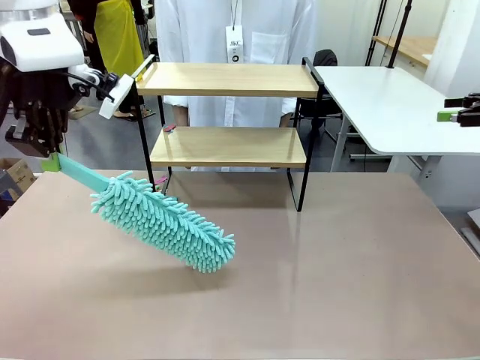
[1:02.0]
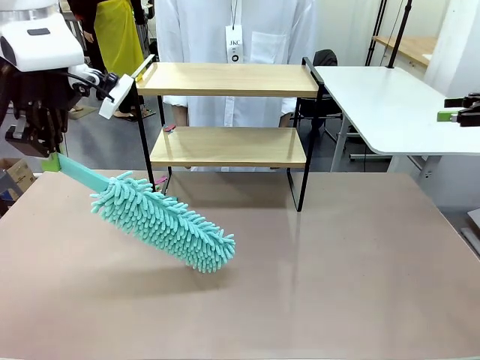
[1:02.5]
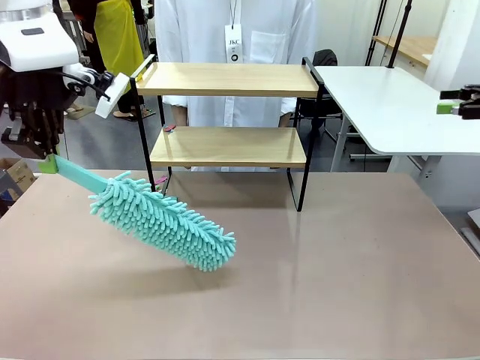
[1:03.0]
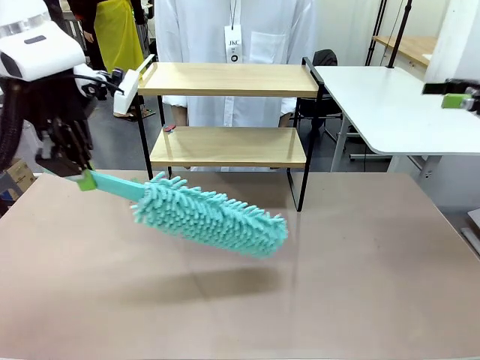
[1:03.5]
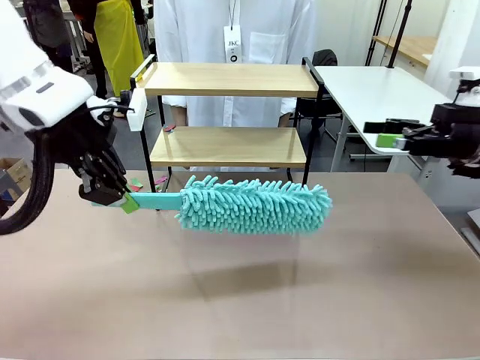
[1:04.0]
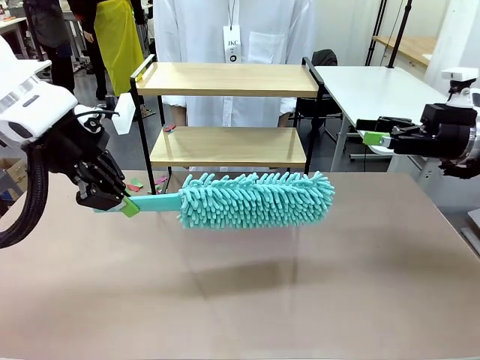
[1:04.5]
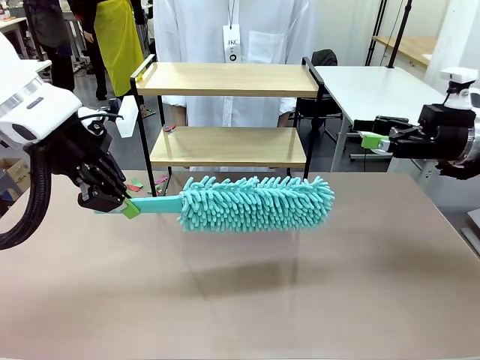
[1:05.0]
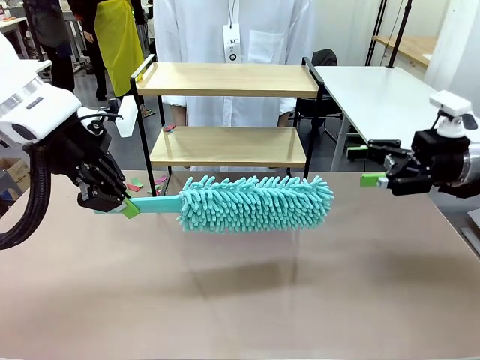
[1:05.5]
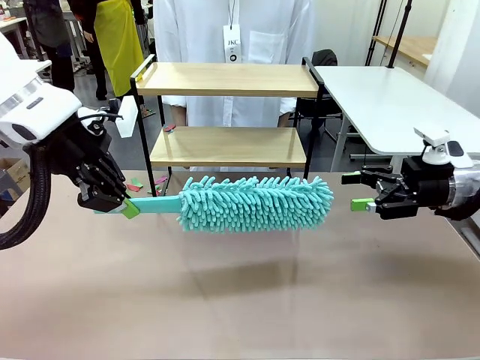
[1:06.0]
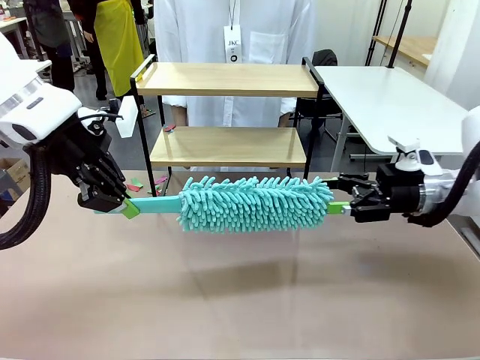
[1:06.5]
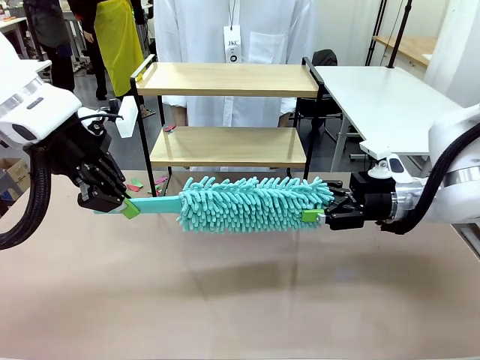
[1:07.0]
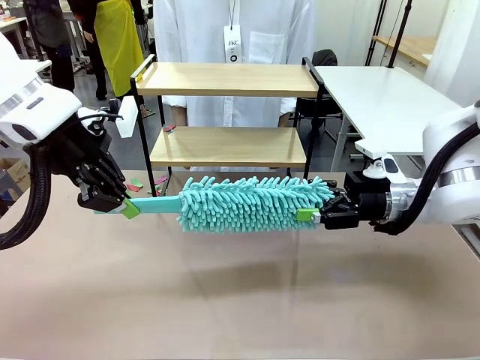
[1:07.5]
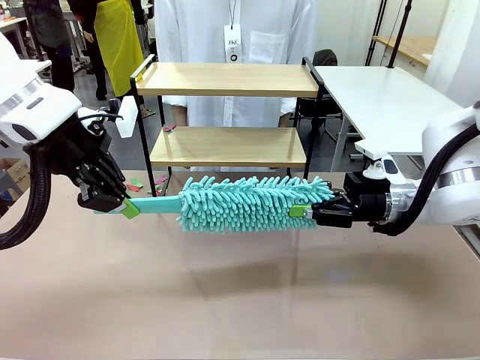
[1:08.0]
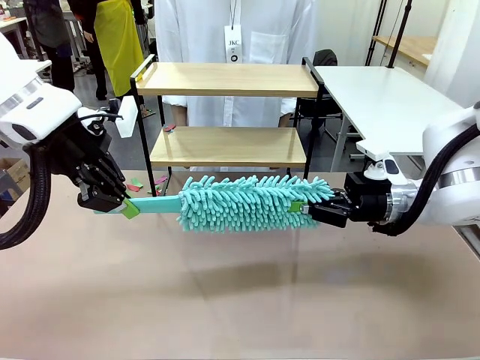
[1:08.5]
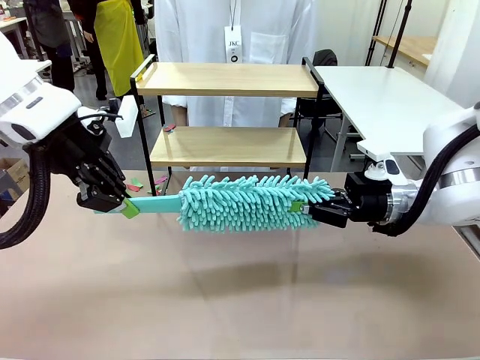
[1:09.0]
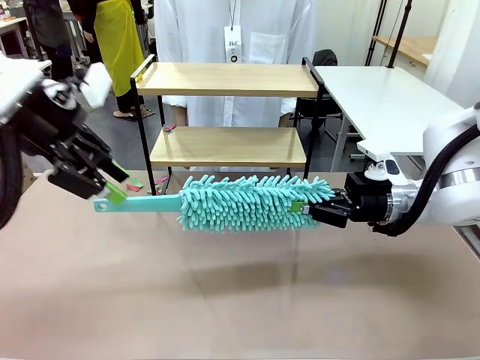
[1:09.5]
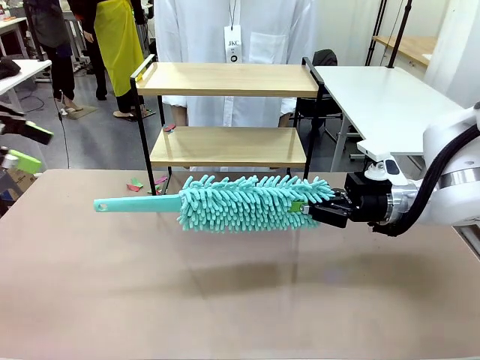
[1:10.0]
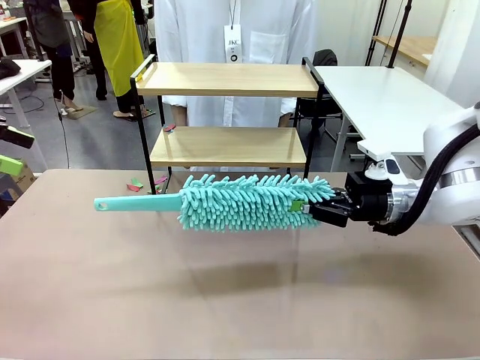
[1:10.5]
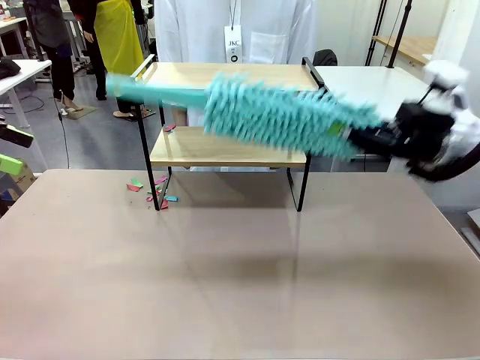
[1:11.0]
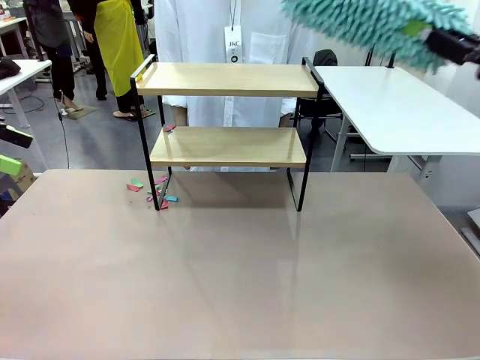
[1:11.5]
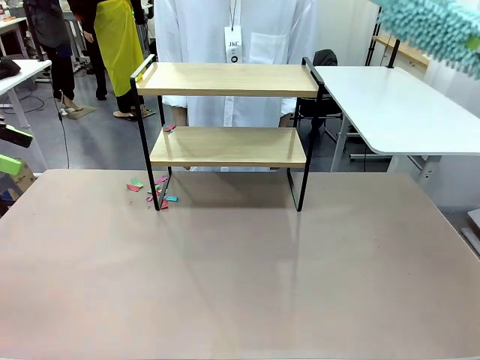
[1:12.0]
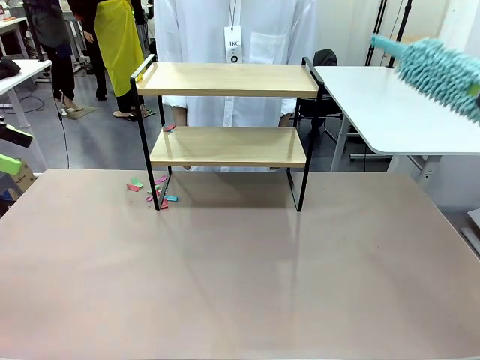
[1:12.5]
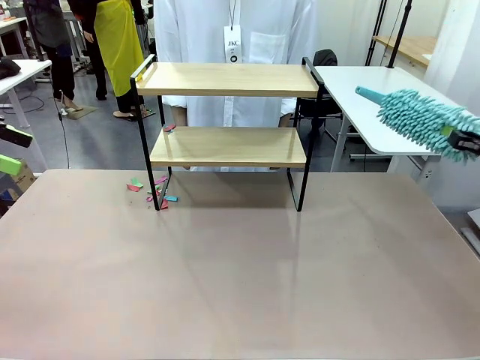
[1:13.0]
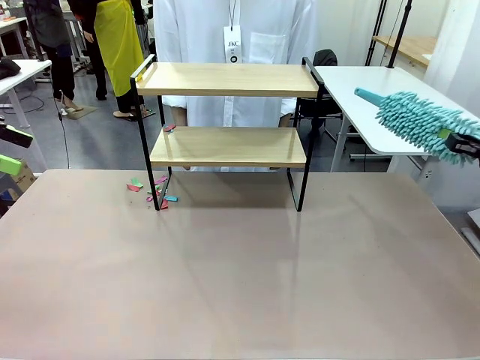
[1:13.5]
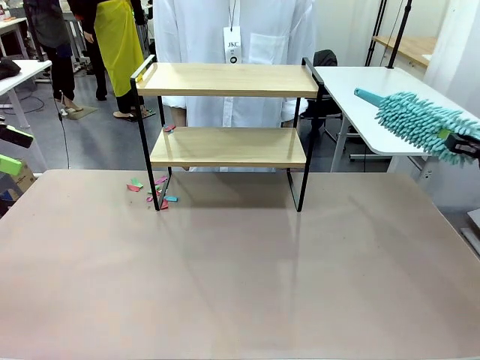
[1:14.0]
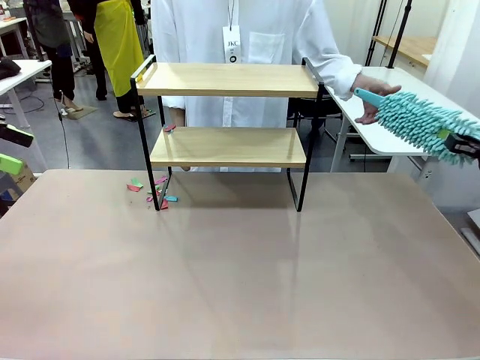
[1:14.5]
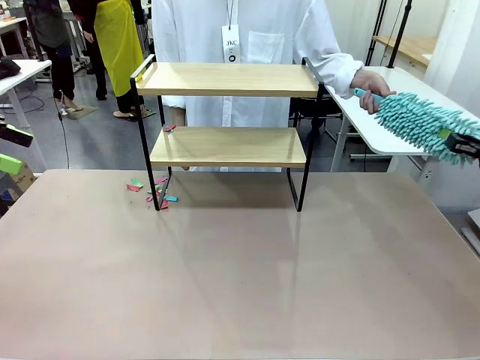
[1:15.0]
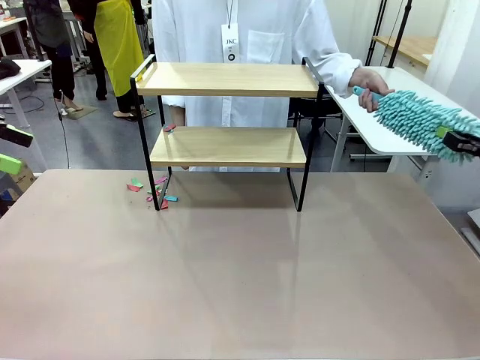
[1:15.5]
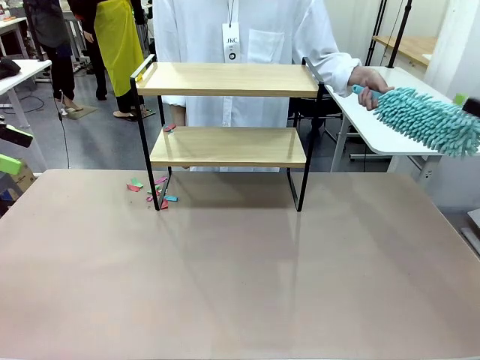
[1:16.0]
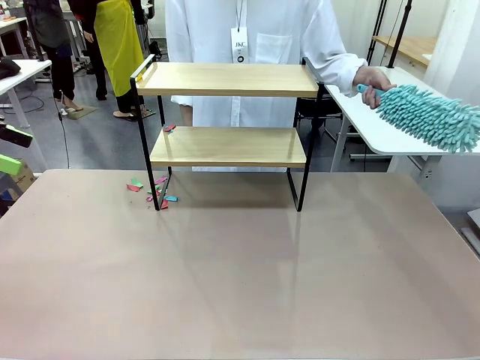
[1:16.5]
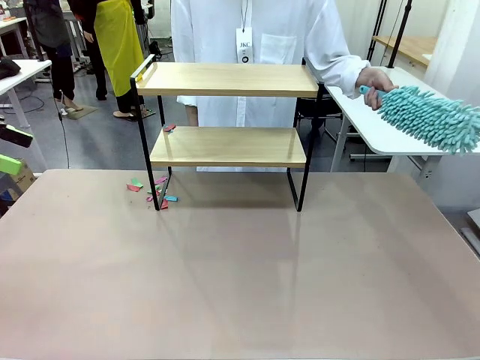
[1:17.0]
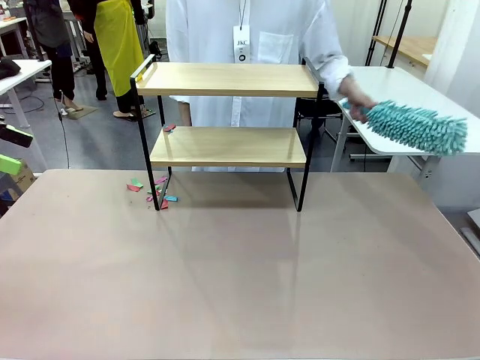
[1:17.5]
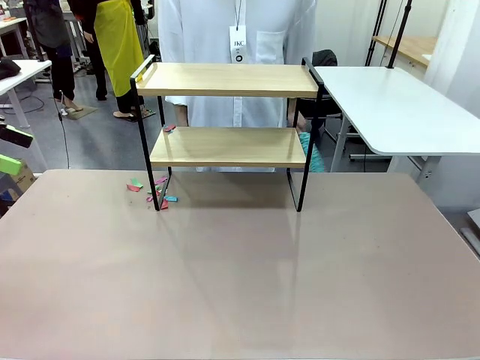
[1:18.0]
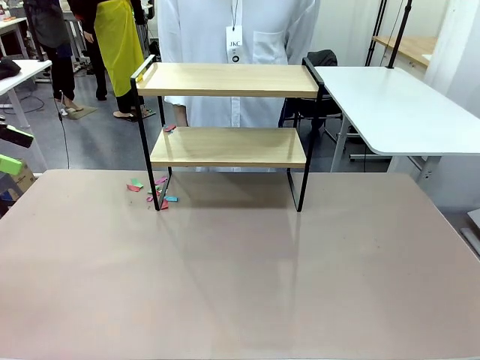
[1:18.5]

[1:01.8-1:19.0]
Task: Clean the shelf.
Robot: Hand the Duster back to the human.
Person: Receive the Duster from the robot.

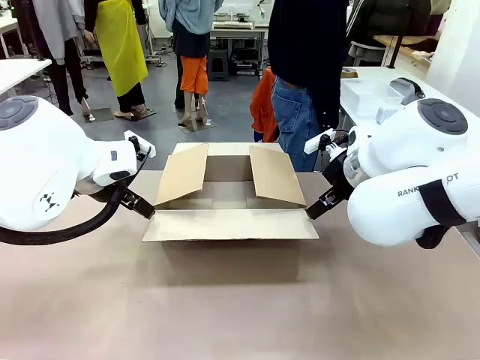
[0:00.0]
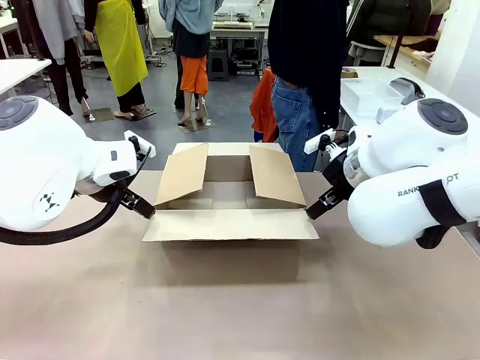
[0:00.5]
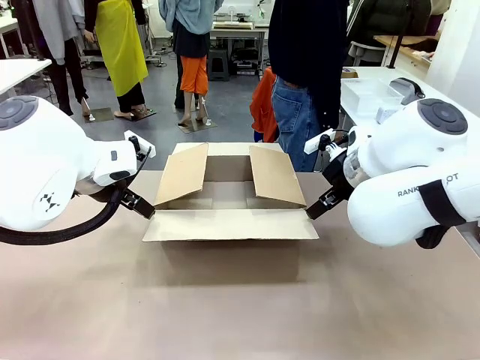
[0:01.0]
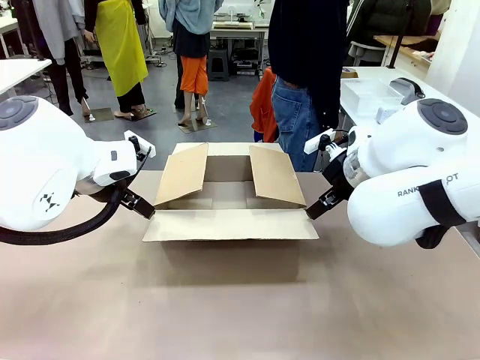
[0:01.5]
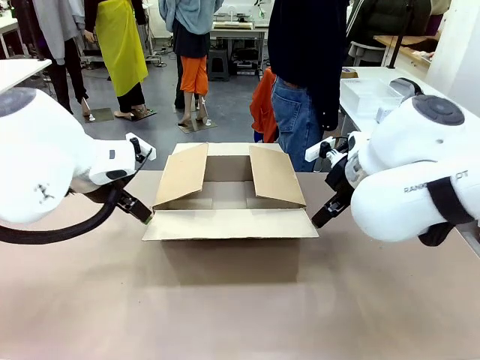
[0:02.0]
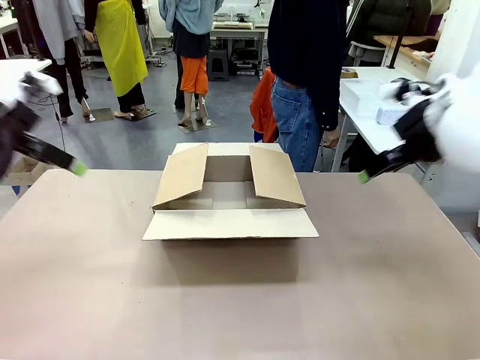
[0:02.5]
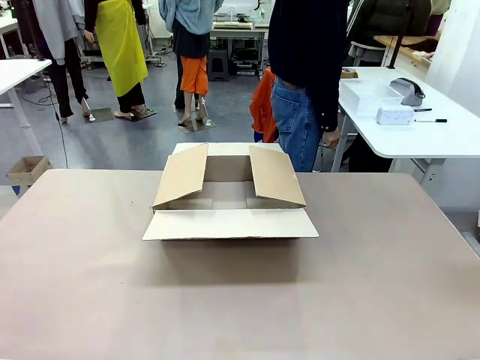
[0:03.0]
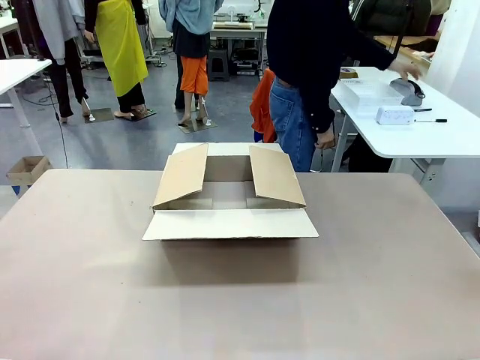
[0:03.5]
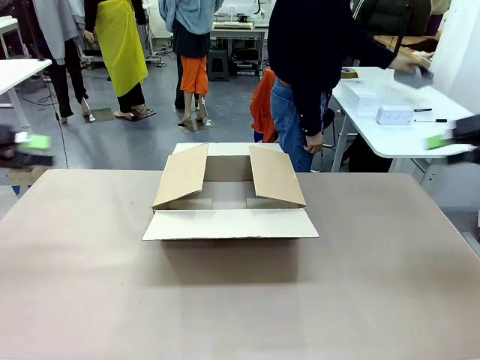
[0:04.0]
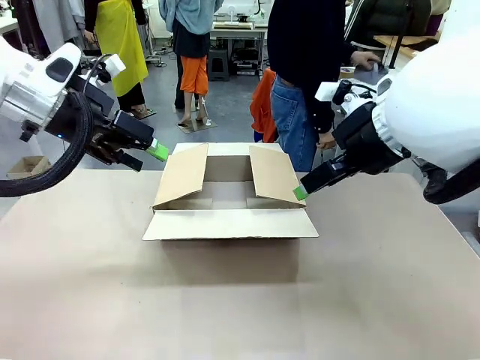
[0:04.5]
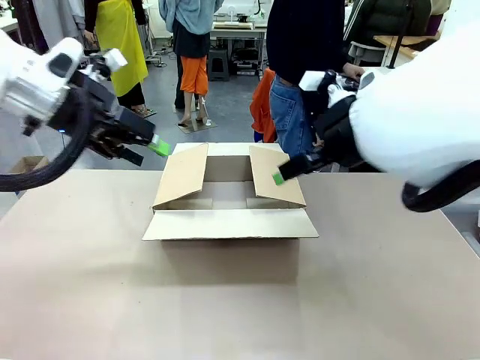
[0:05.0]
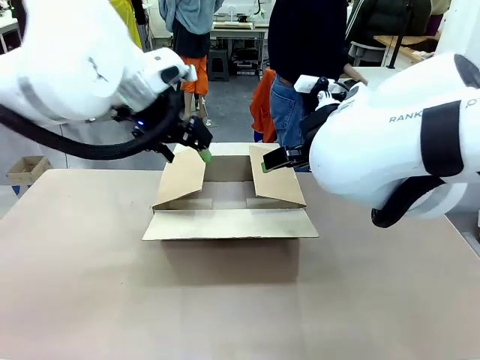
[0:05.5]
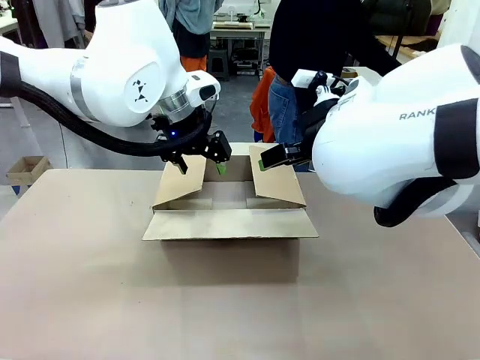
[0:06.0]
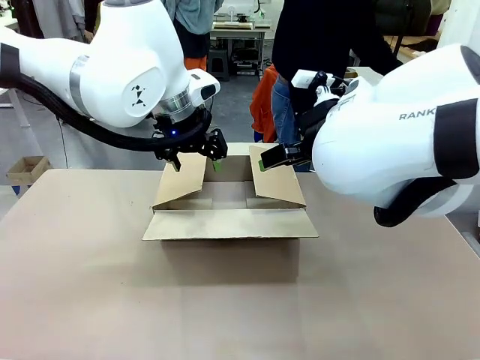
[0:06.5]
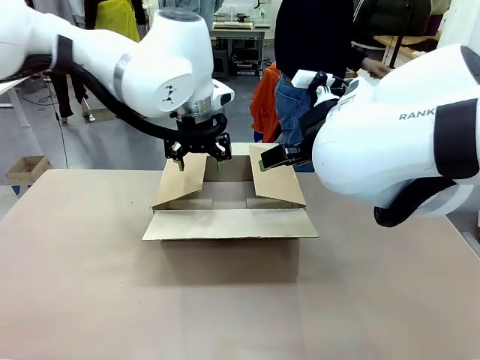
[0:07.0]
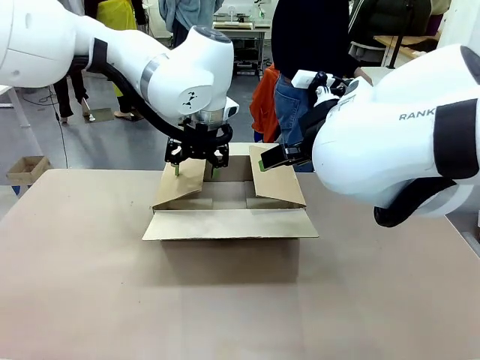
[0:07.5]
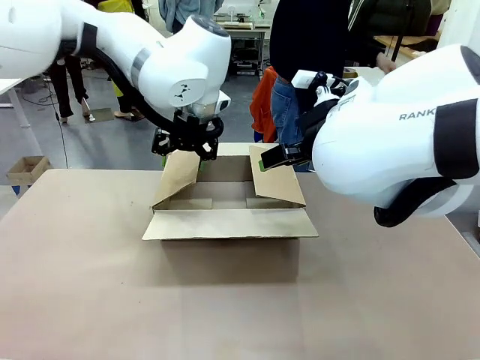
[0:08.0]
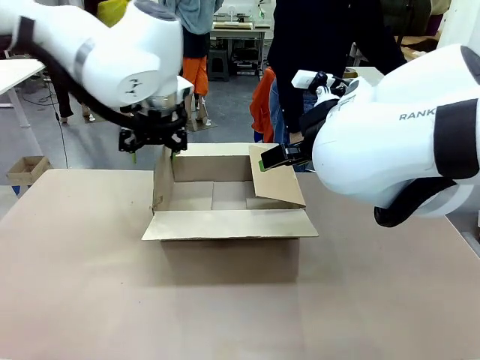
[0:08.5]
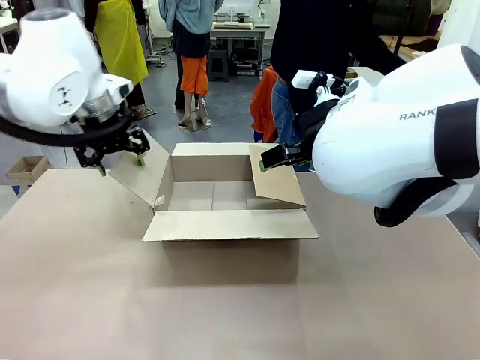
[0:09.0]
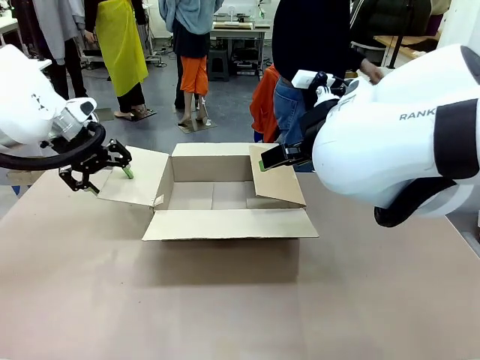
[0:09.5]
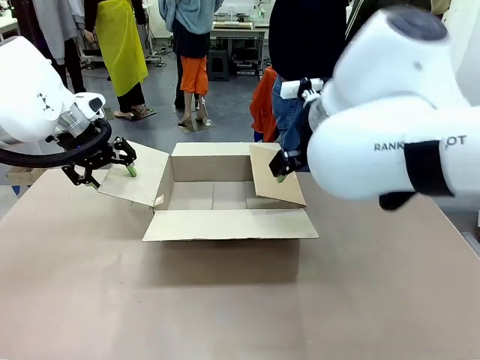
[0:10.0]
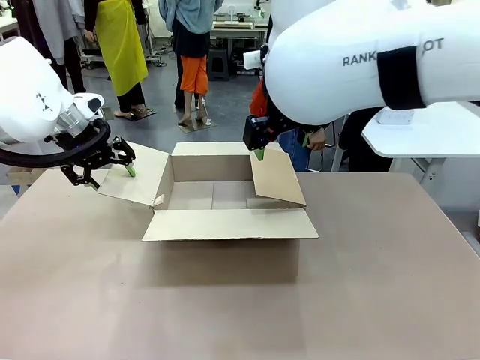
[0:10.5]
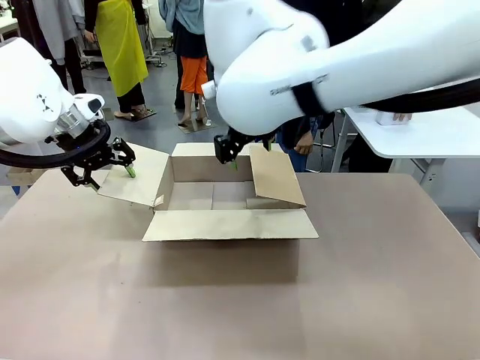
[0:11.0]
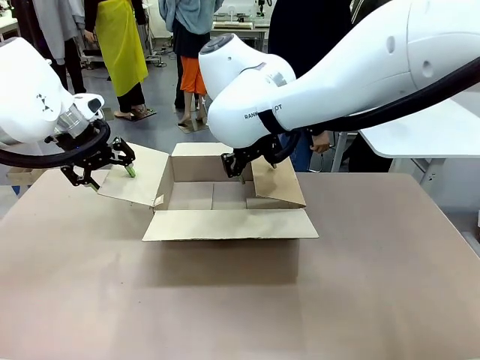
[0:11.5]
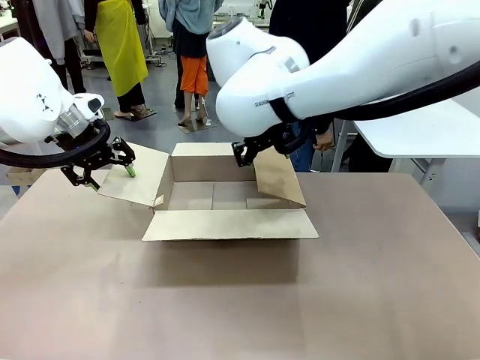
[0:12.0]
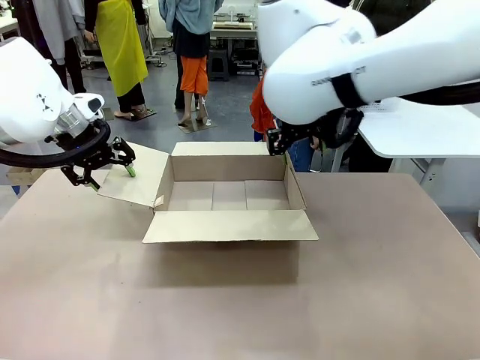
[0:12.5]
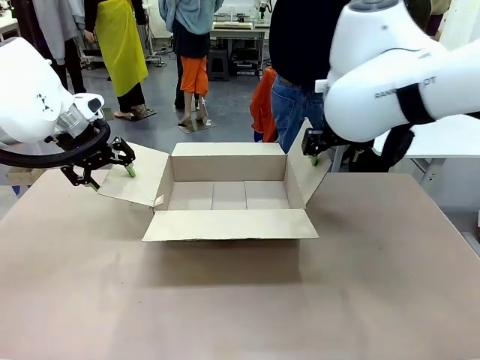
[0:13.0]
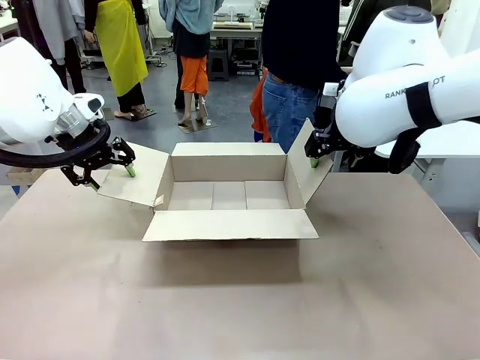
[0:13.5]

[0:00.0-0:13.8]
Task: Pack the gift set into the box.
Robot: Place both hands on the side flaps of the Package Box and spread them outward.
Person: The human places all items except the paper tape into the organizing basket.
